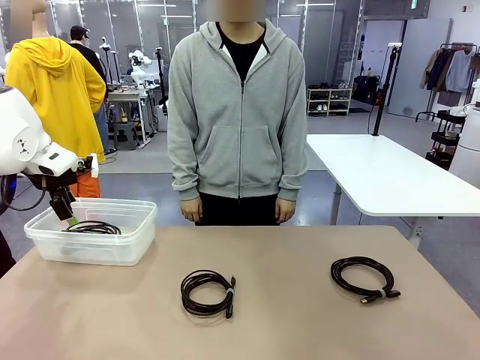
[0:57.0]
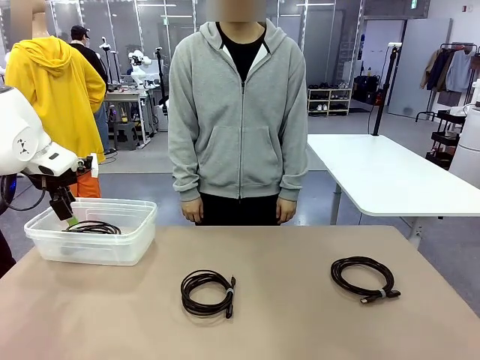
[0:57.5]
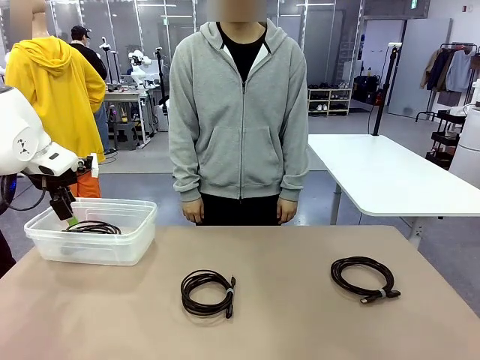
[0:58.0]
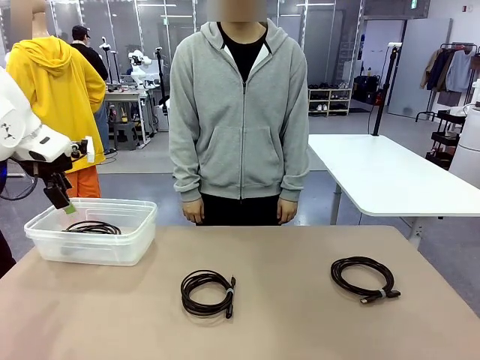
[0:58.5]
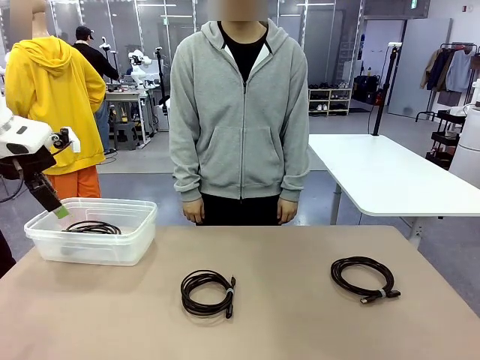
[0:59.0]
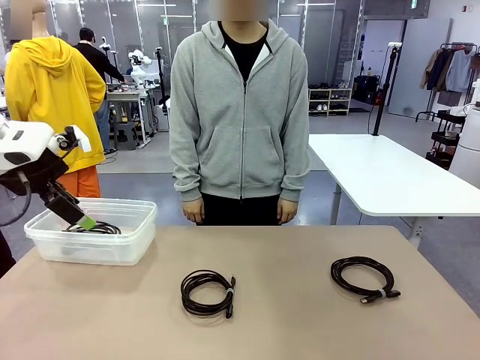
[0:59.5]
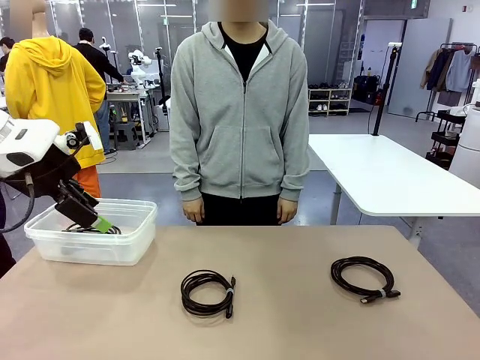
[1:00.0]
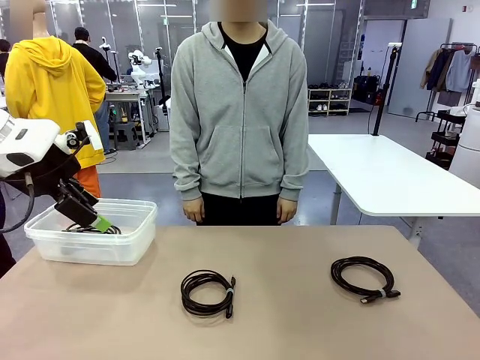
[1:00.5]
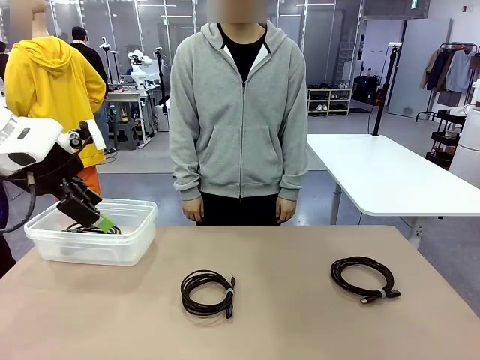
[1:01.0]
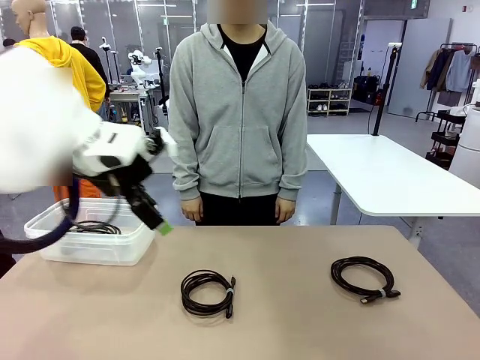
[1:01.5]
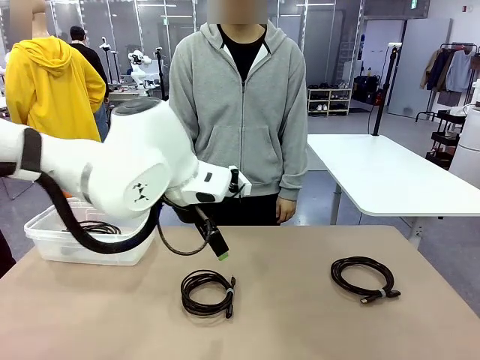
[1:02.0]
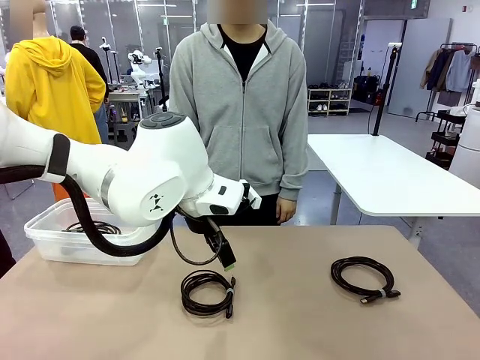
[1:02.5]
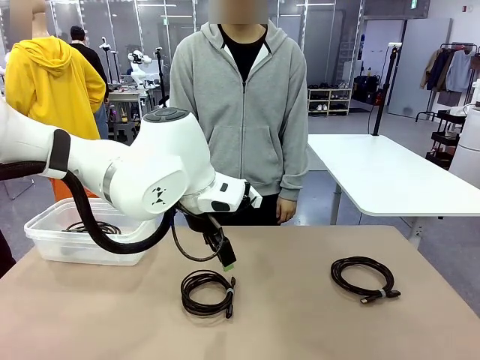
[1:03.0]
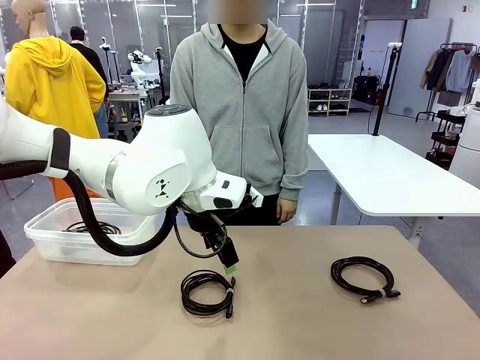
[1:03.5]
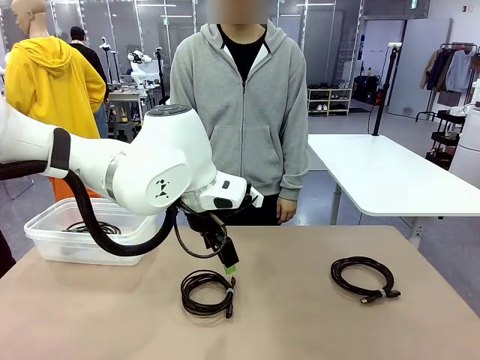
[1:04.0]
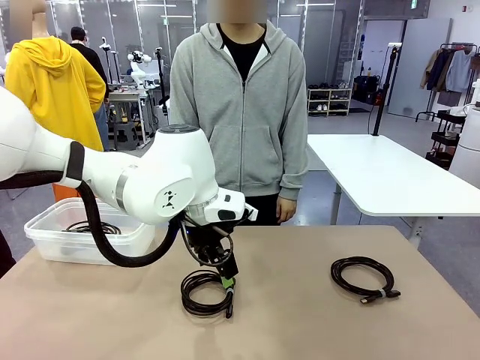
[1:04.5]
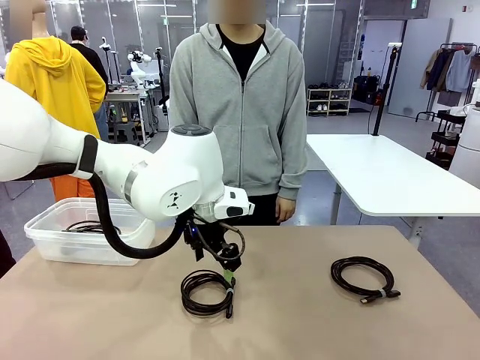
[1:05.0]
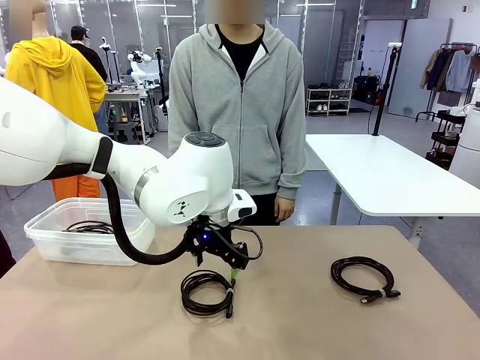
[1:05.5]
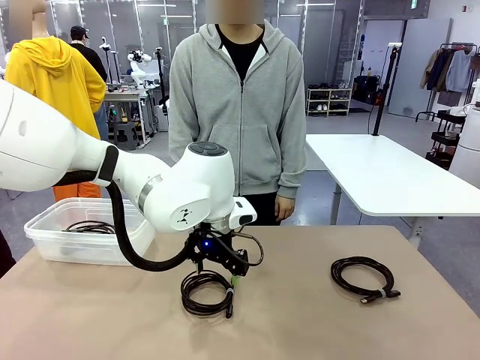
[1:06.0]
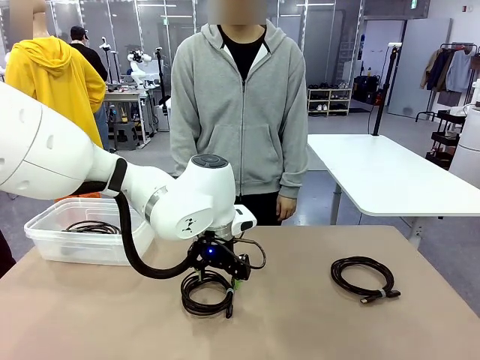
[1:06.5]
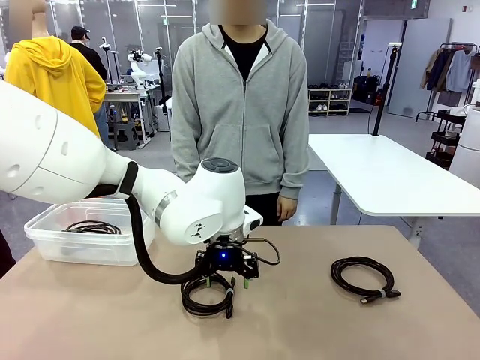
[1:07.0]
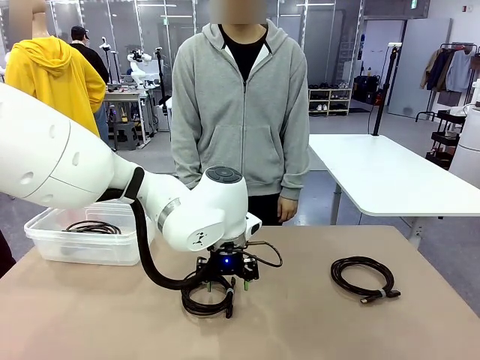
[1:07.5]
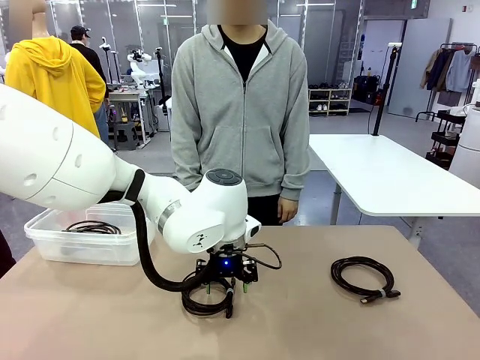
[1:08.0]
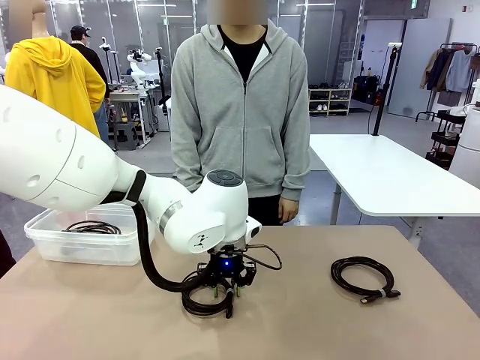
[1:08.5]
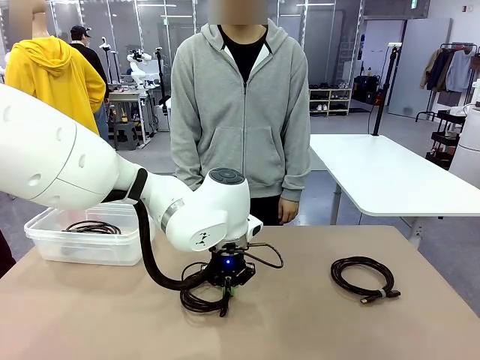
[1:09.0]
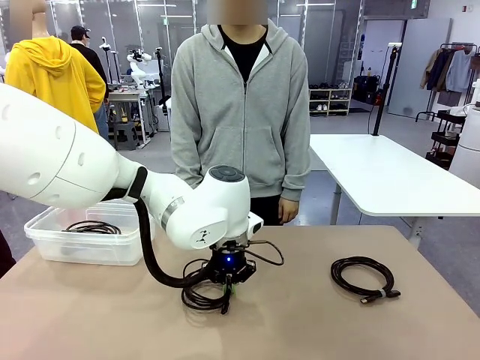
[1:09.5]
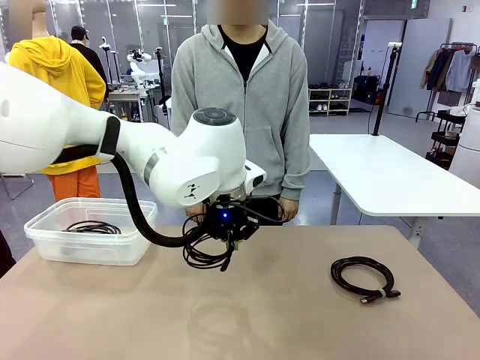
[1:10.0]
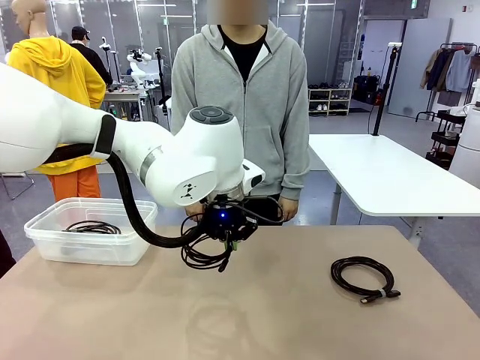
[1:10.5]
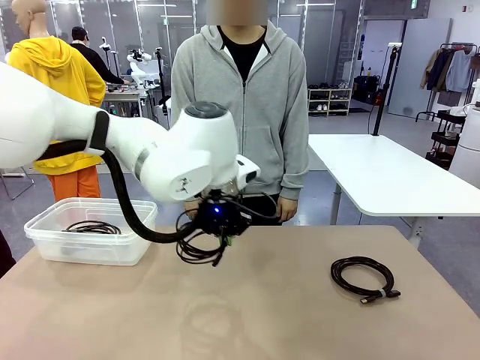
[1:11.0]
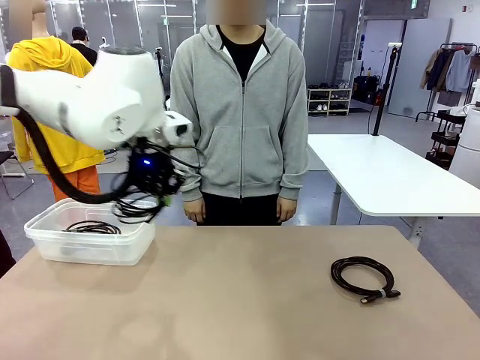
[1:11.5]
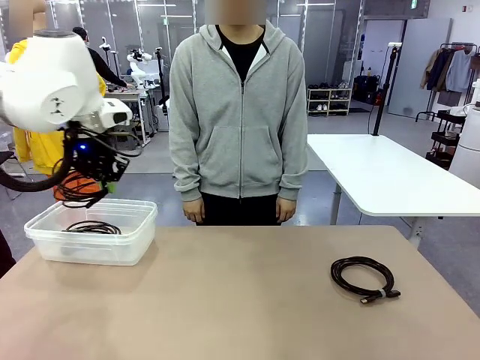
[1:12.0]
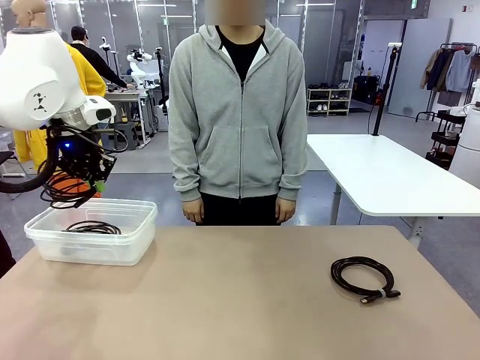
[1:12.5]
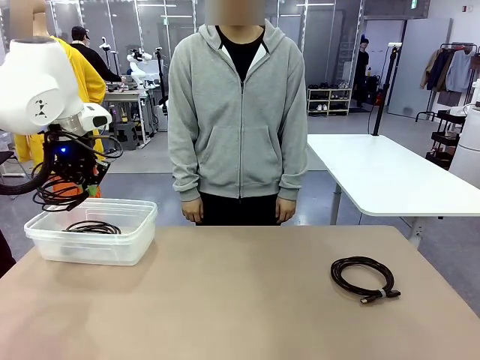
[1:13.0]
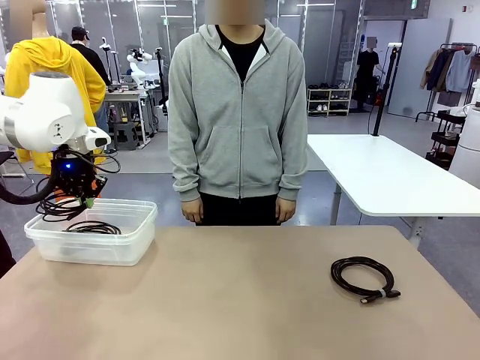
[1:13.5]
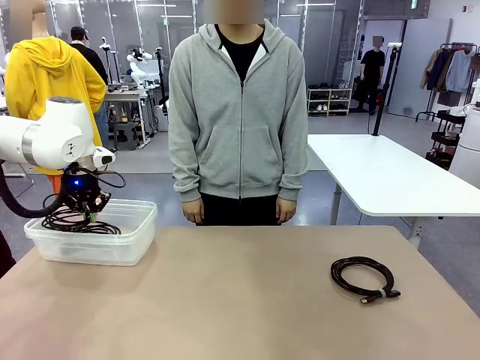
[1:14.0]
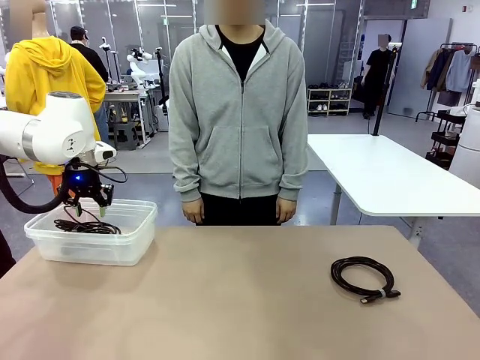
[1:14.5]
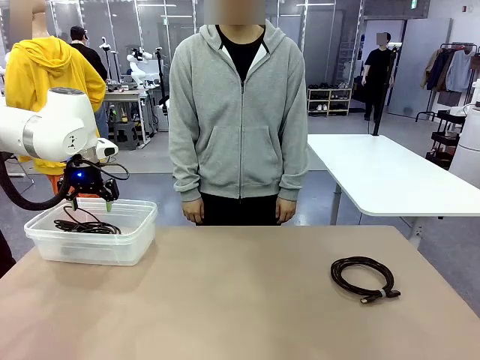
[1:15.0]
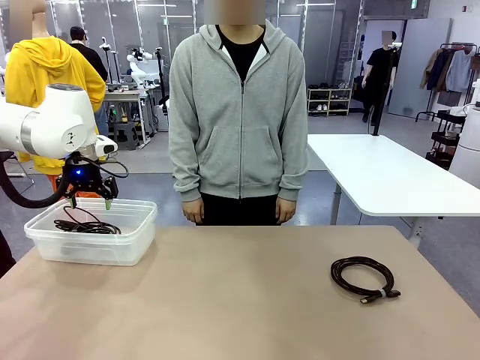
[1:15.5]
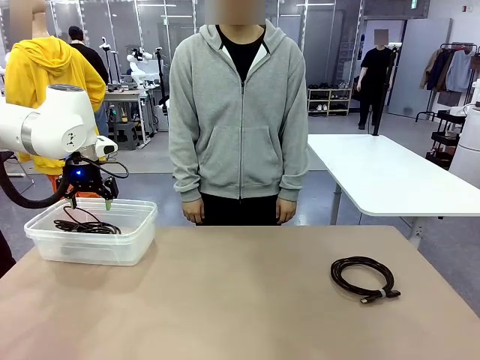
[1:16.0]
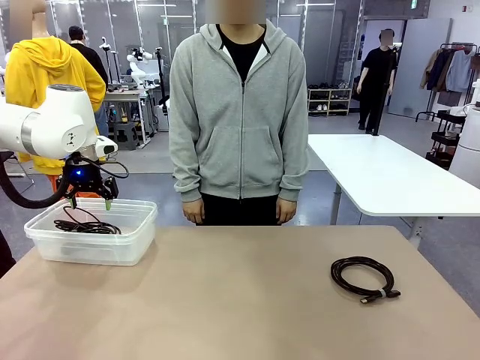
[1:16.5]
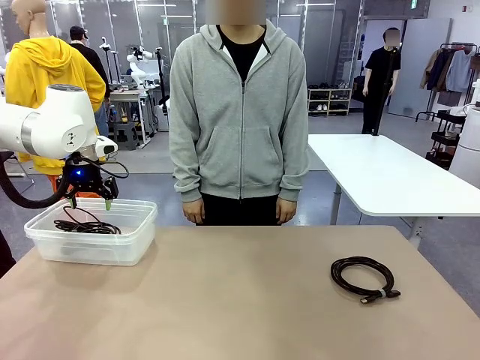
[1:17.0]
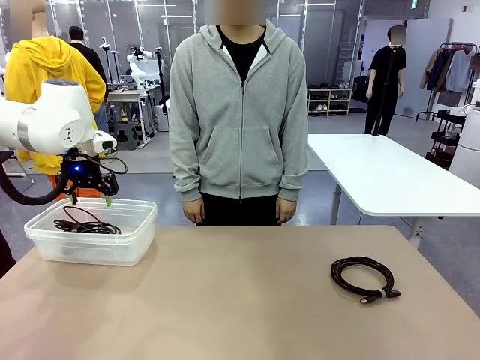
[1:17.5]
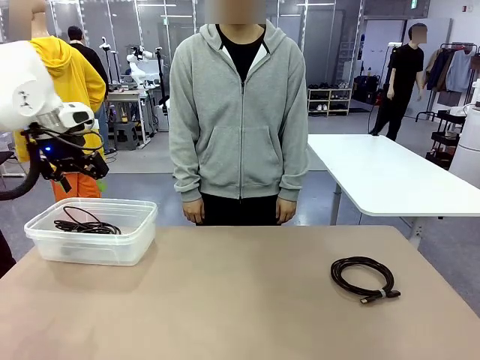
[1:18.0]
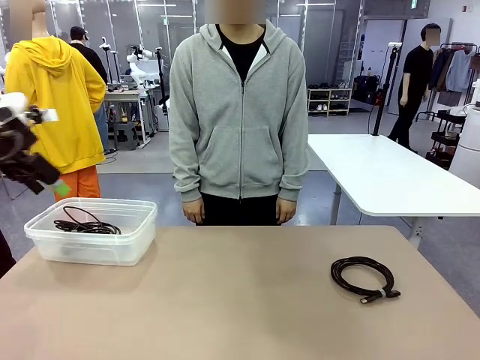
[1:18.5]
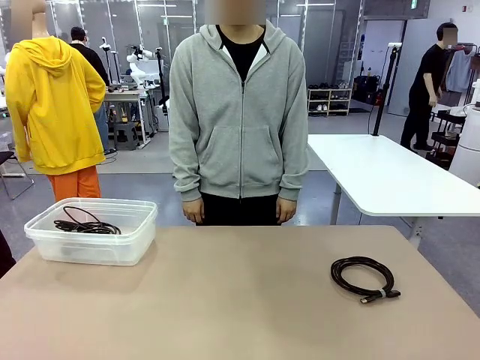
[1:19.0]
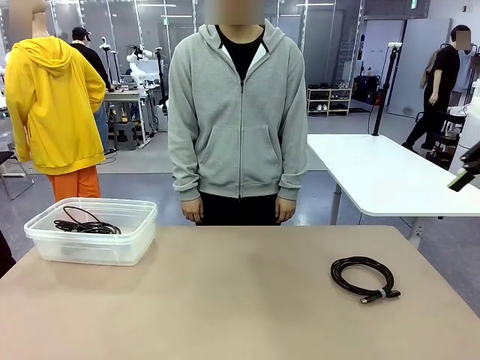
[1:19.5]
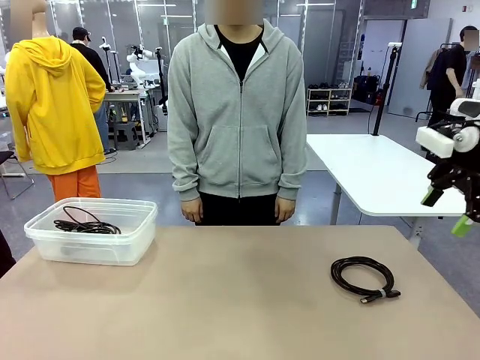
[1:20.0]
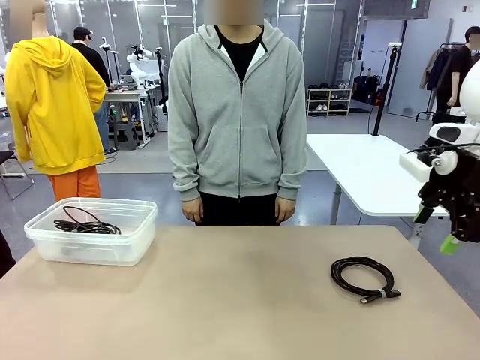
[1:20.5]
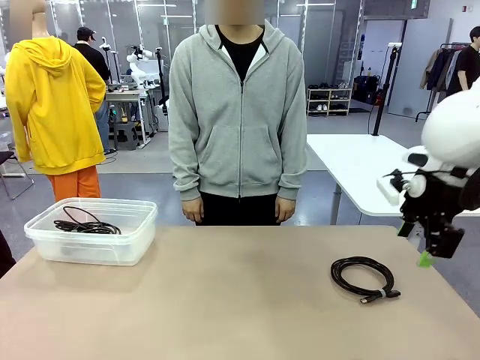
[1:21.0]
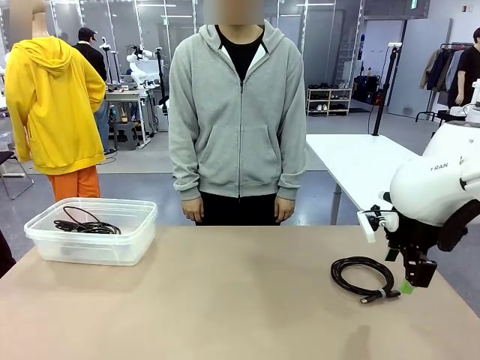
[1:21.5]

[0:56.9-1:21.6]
Task: Organize and store the cables.
Robot: Place the USB Extension Cable into the Organizing box.
